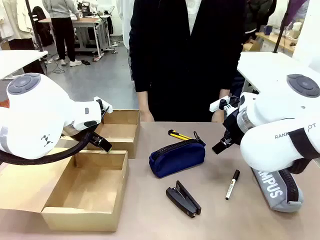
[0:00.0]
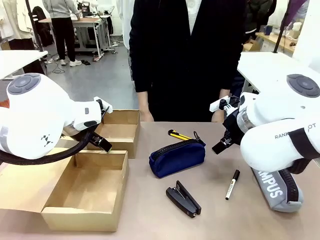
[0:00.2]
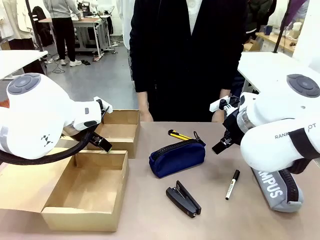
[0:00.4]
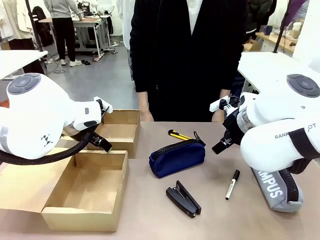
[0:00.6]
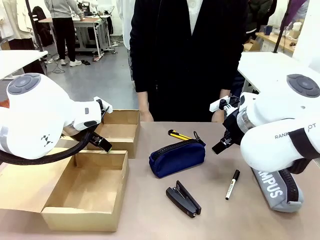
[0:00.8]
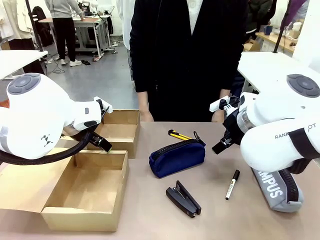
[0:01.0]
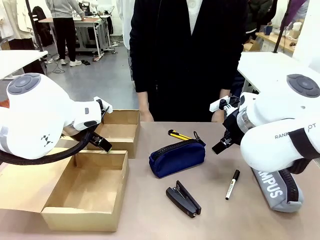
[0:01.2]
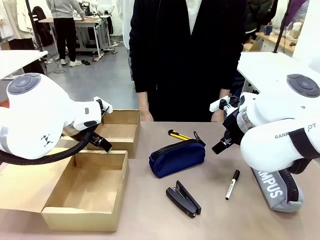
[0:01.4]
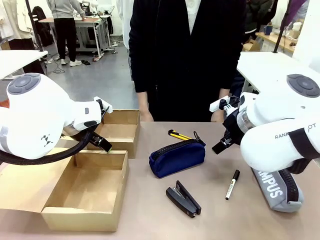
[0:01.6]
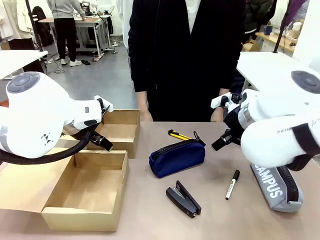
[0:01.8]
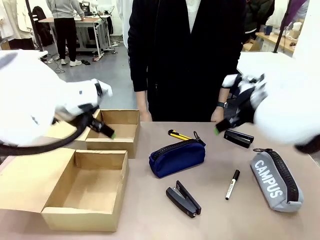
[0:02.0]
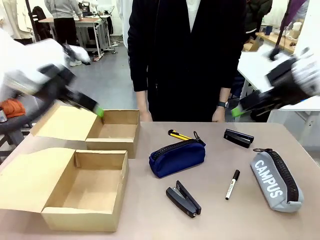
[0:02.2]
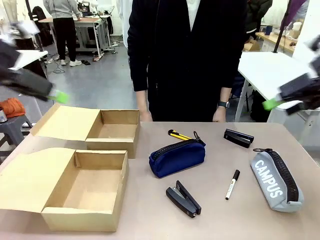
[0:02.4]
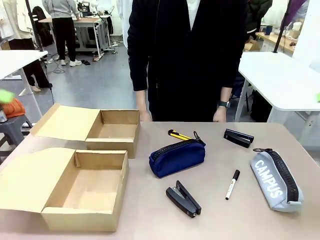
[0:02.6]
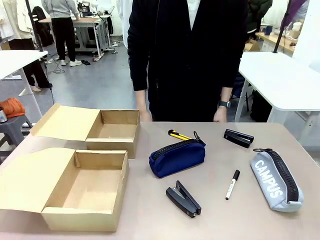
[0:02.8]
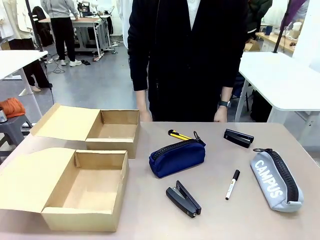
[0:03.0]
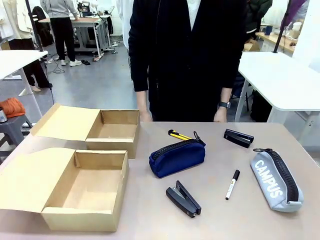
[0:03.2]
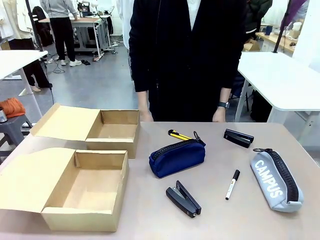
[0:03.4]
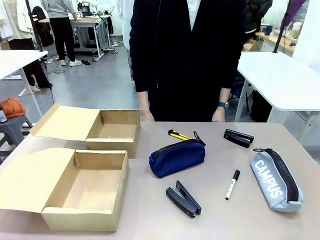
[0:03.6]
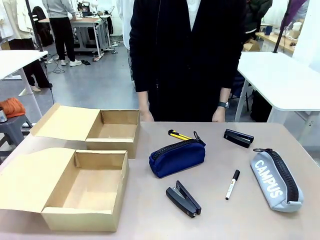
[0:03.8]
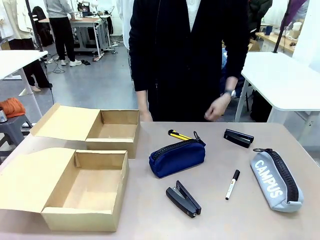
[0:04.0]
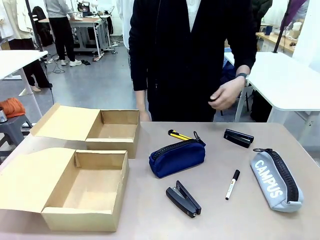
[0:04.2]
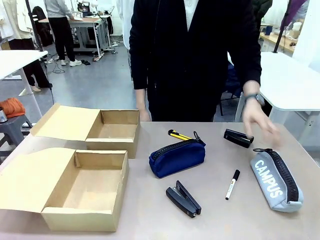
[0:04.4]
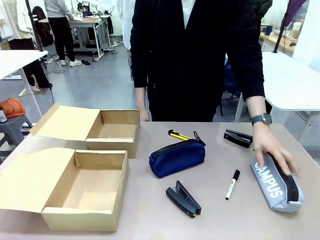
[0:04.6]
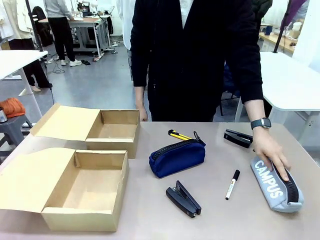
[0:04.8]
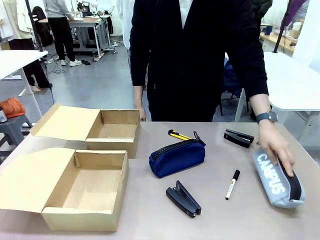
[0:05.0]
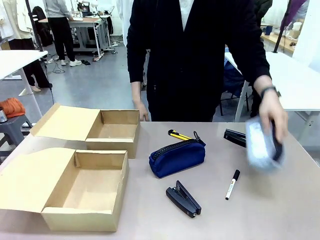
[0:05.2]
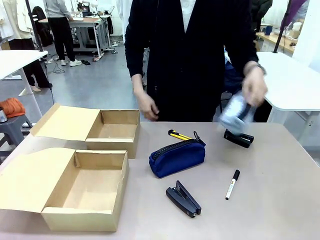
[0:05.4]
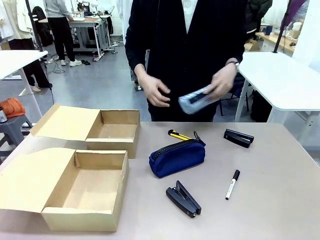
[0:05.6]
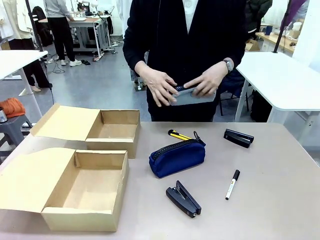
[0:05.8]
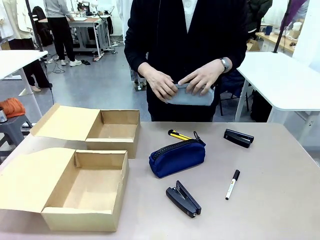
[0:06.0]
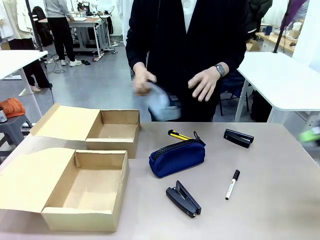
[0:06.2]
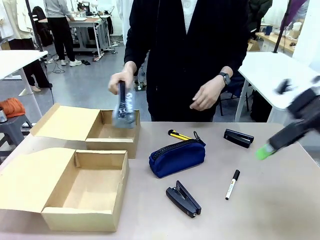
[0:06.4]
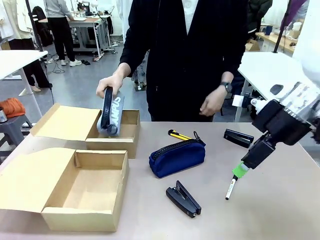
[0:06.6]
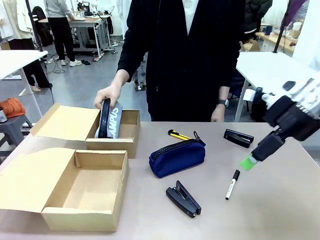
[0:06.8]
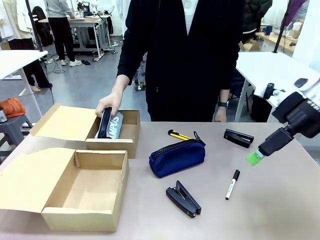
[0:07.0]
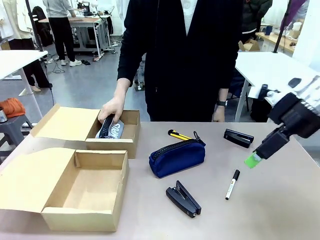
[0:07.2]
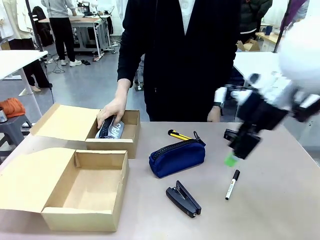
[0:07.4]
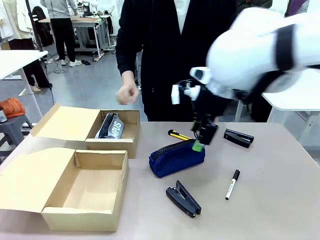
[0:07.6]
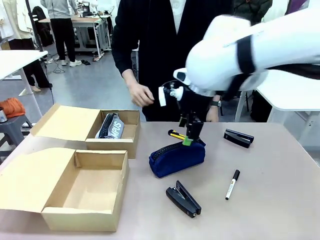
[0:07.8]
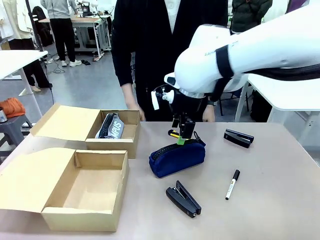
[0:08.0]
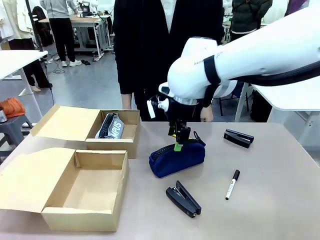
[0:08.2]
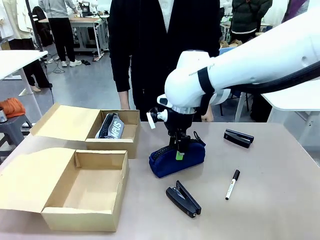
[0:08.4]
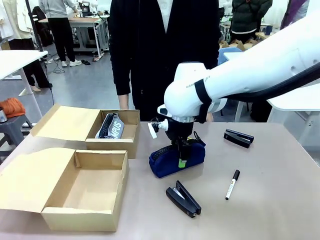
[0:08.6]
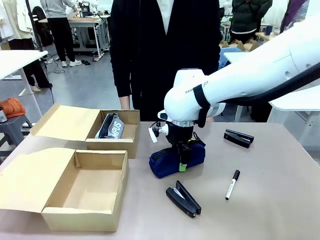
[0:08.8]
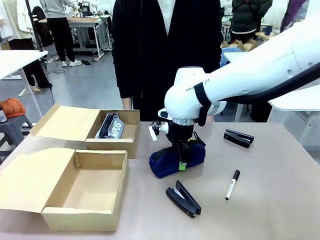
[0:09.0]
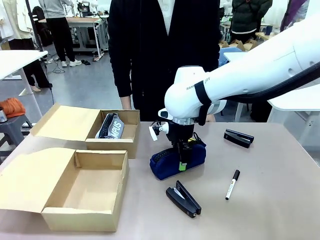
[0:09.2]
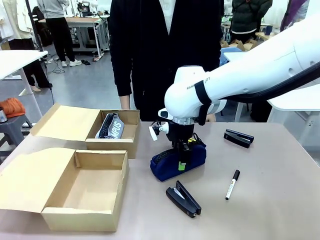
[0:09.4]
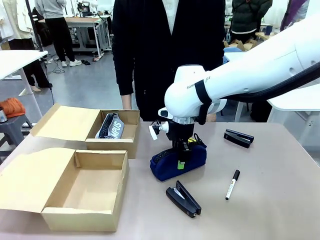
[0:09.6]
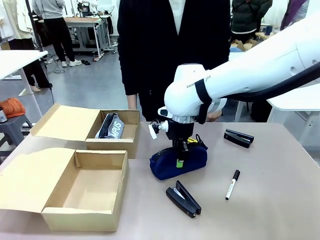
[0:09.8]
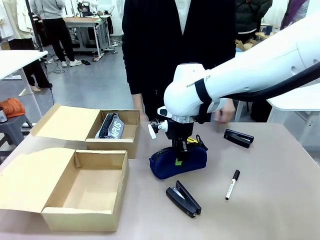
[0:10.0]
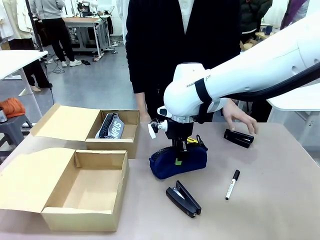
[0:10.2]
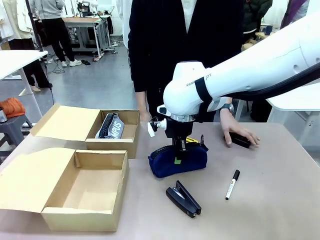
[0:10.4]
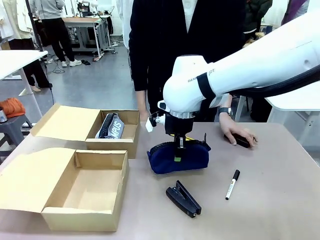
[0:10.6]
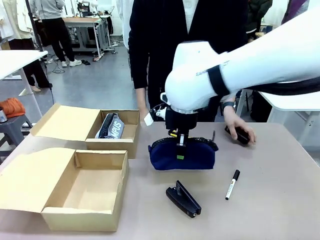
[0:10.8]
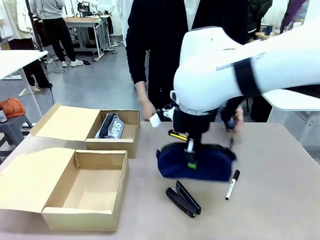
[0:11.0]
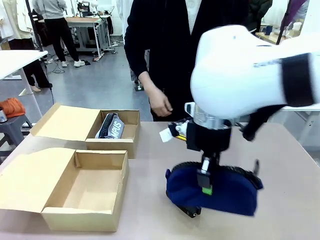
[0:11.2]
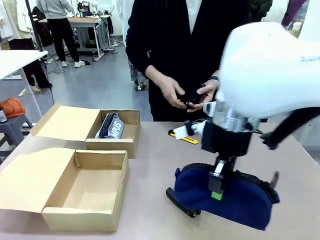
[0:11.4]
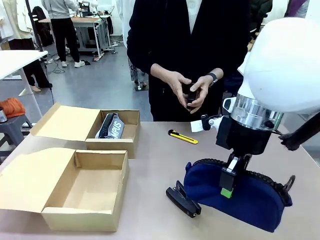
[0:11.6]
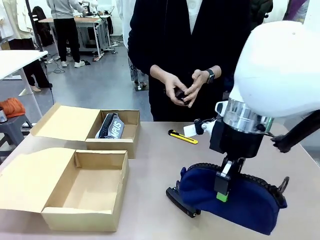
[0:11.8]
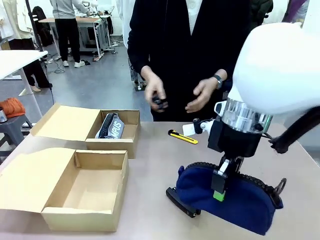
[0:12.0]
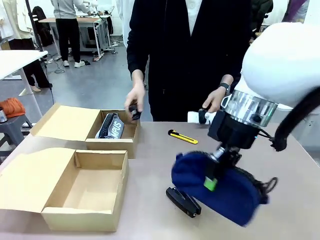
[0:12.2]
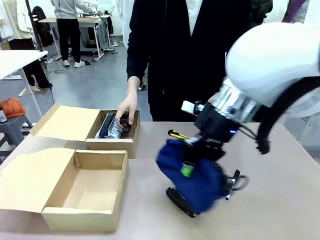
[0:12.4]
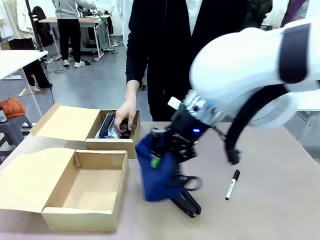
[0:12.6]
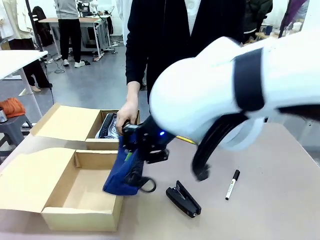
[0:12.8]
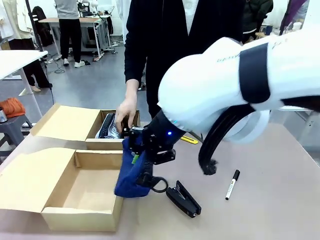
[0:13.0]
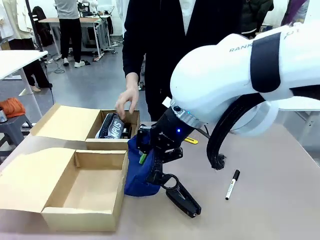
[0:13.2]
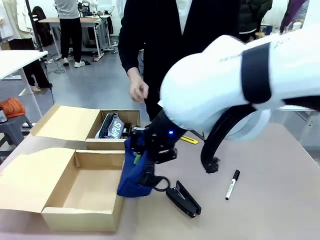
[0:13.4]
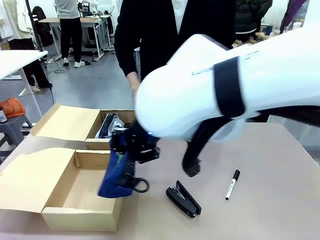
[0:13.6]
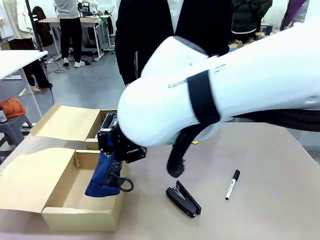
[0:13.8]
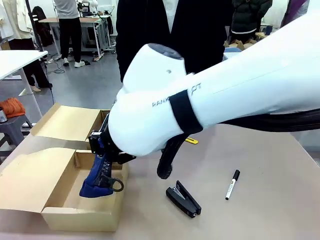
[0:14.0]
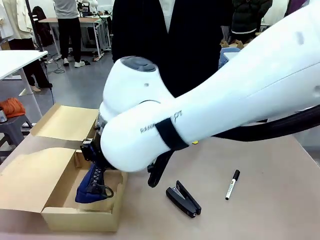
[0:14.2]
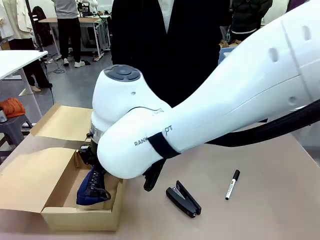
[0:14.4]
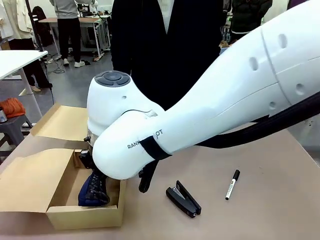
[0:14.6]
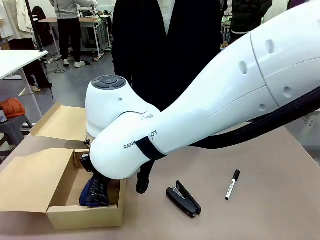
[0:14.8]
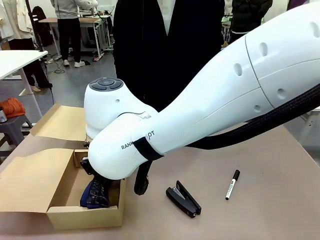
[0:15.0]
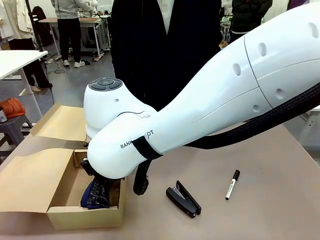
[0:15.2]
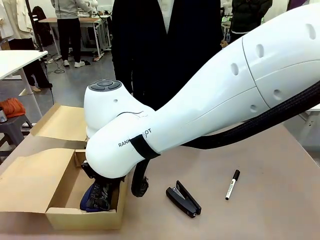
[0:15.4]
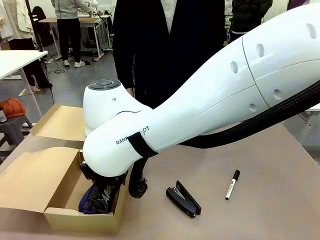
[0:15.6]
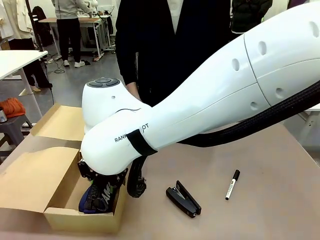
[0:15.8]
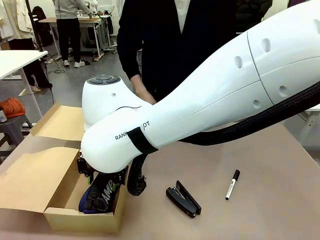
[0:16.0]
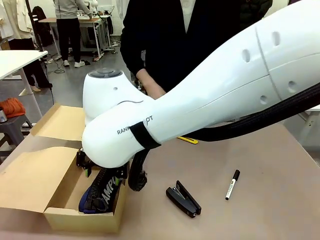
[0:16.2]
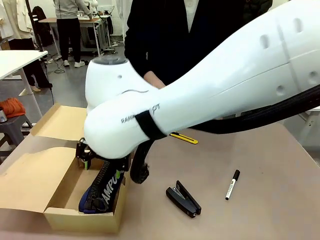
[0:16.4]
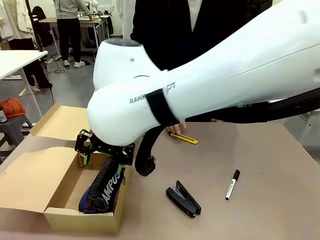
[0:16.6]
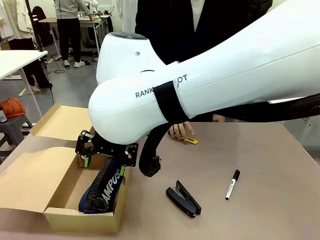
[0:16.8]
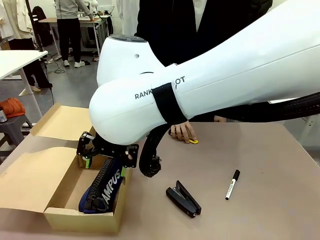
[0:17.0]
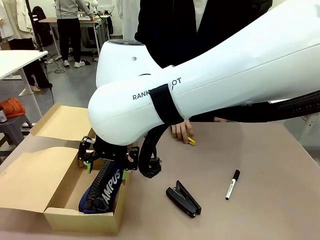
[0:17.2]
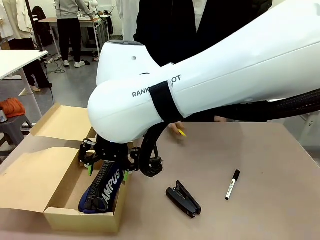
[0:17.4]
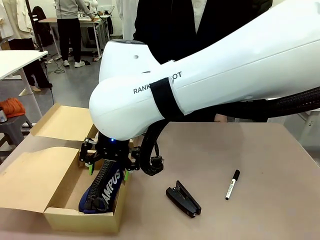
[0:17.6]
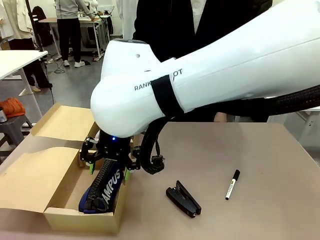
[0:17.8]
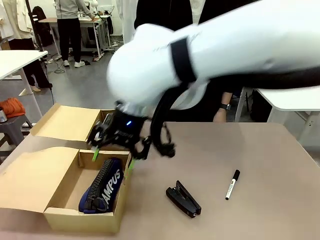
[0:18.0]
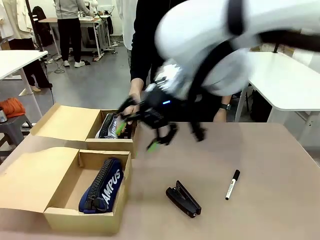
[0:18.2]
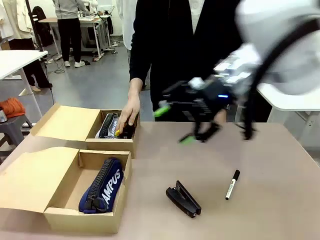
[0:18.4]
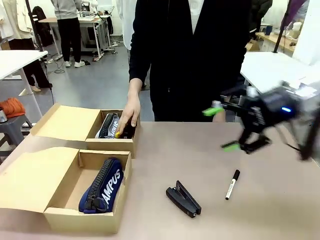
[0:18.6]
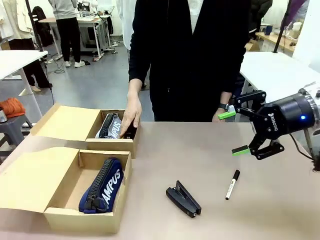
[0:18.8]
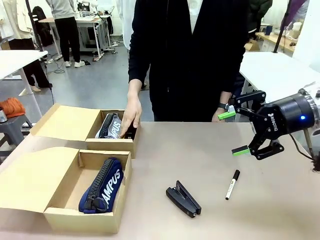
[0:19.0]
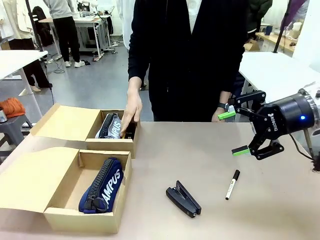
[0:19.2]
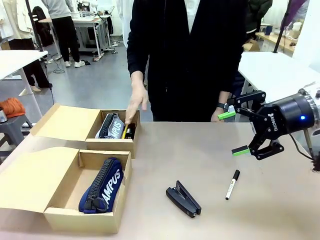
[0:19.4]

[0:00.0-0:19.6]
Task: Place items inside the box.
Robot: Pick up a Pencil pouch or Stapler and place it inside the Mailer Box closest to the robot.
Person: Pick up an object on the table and put it in the box.
